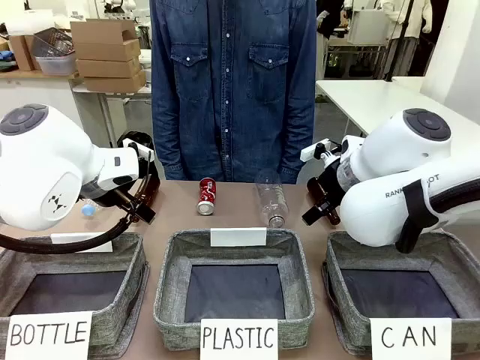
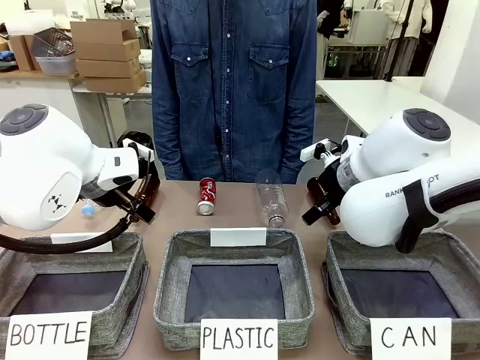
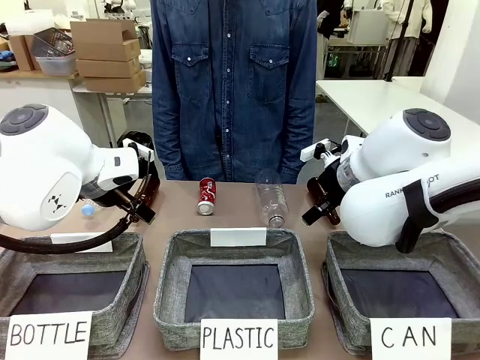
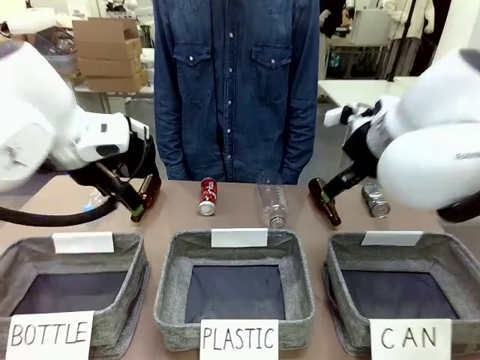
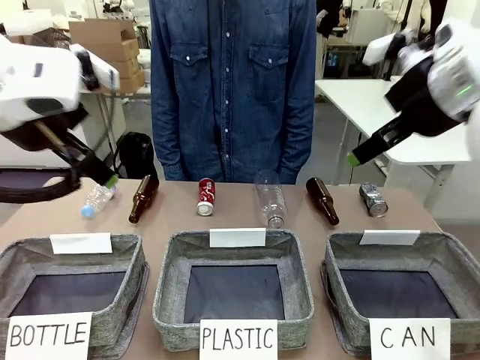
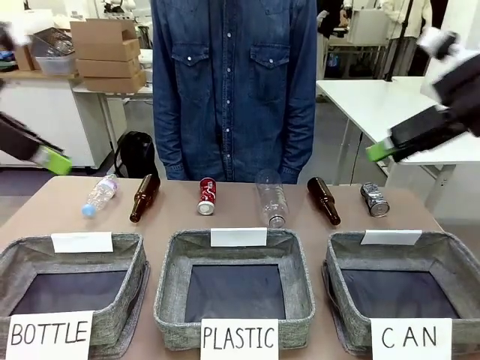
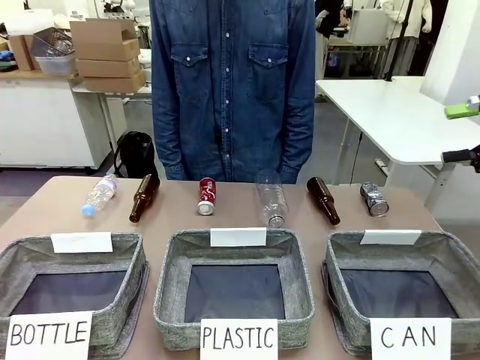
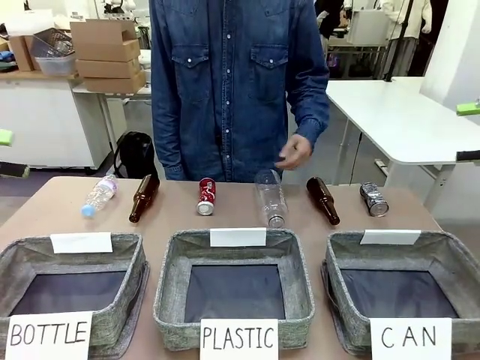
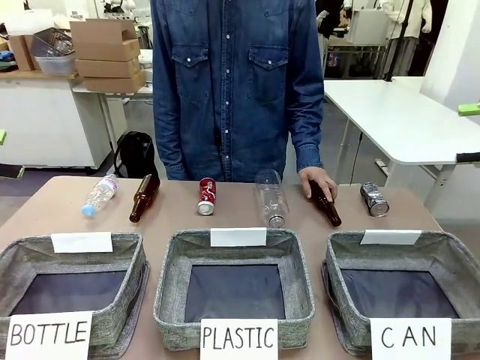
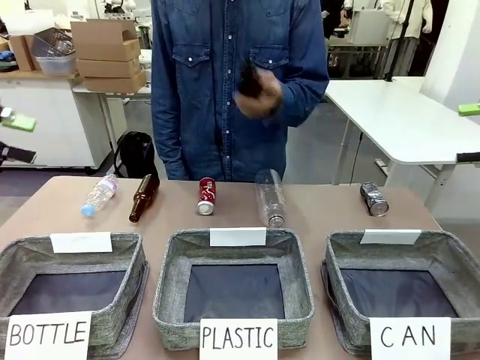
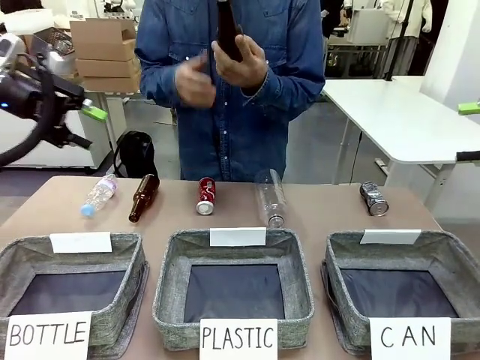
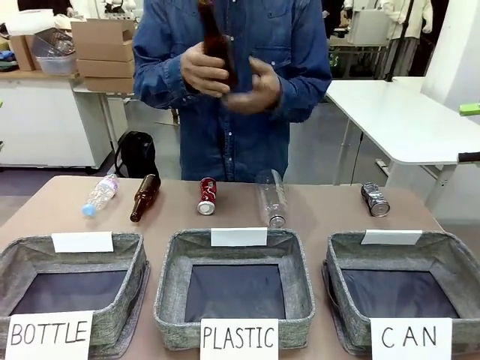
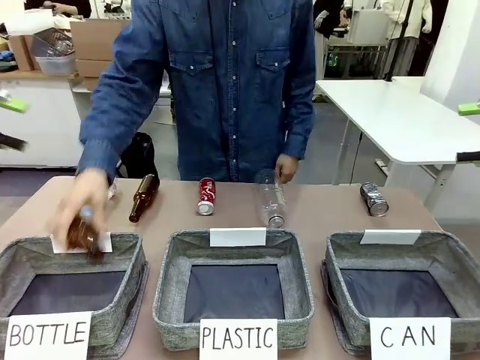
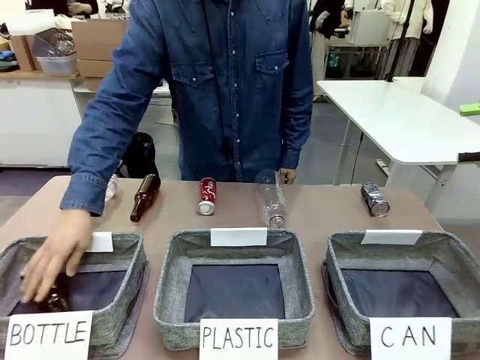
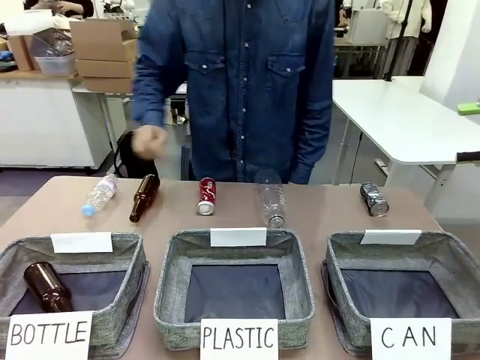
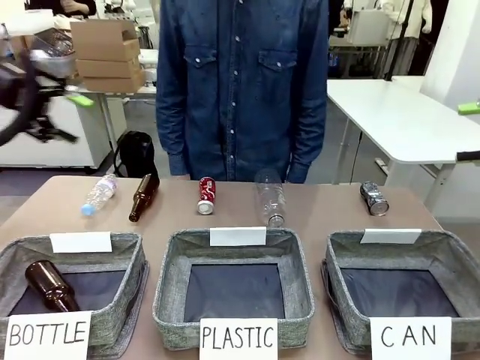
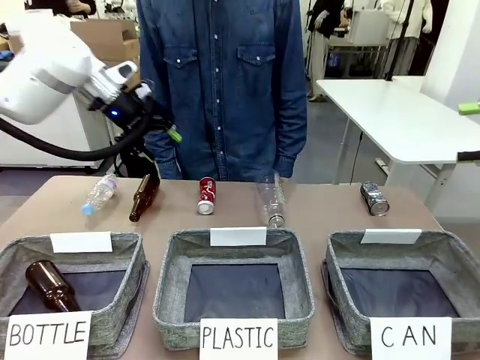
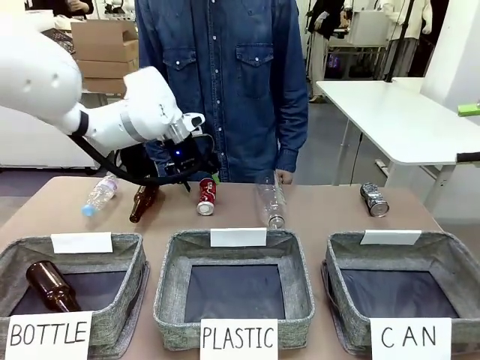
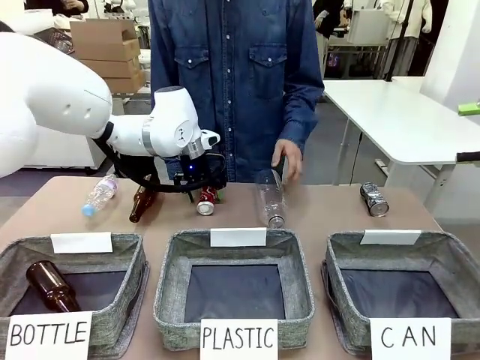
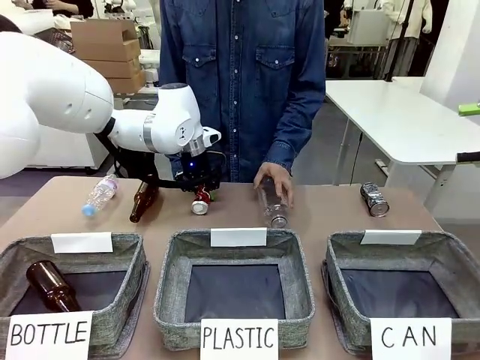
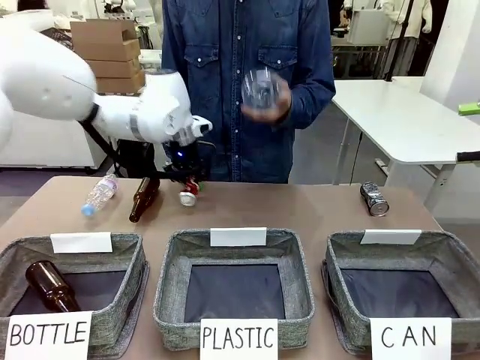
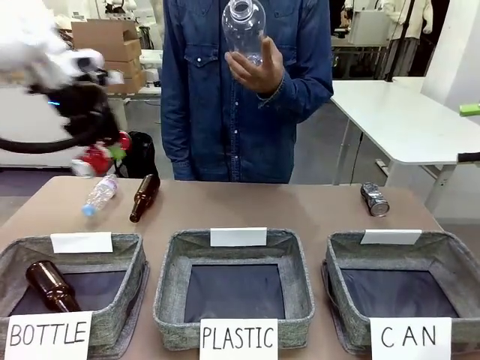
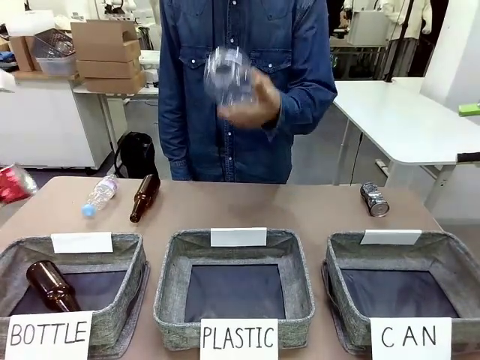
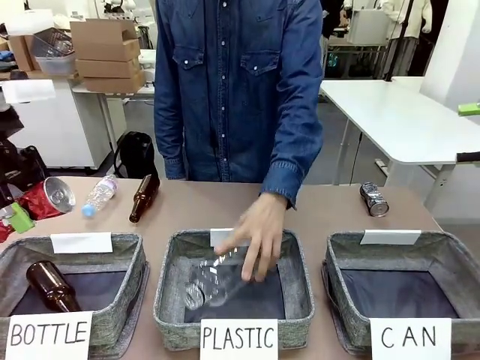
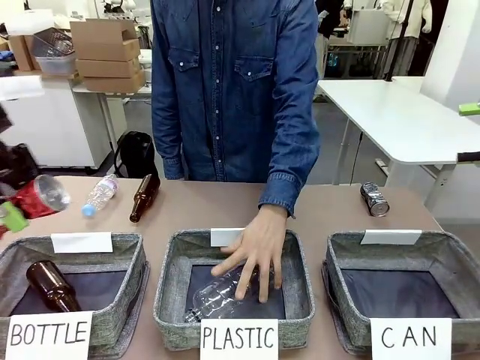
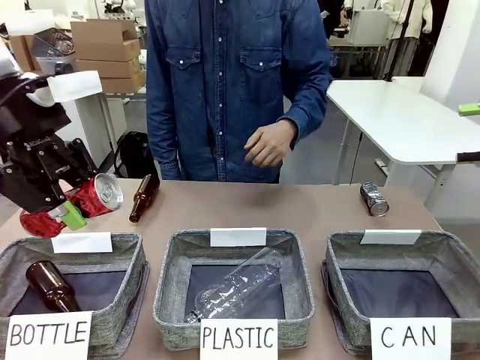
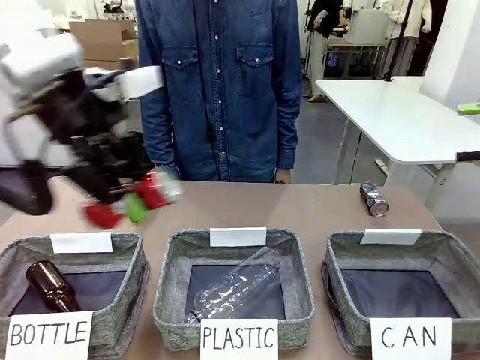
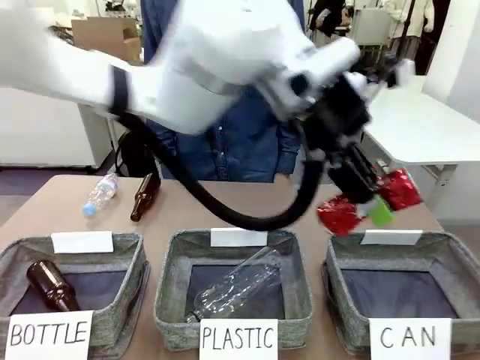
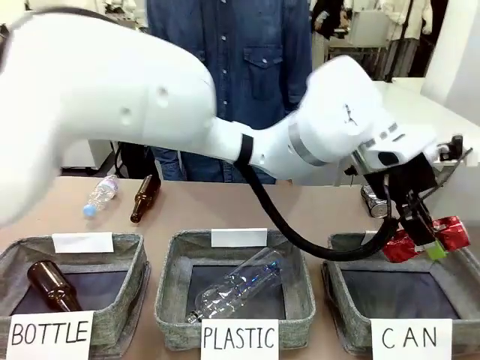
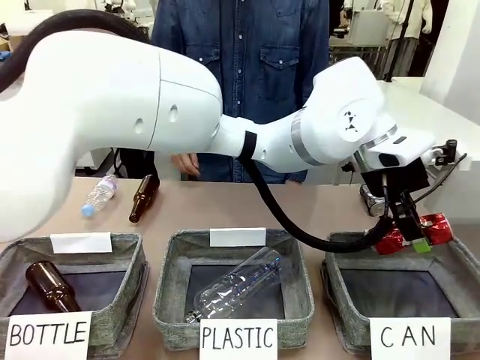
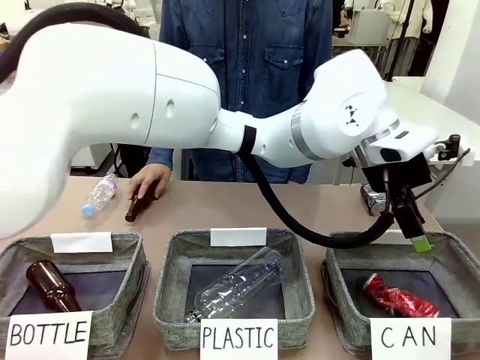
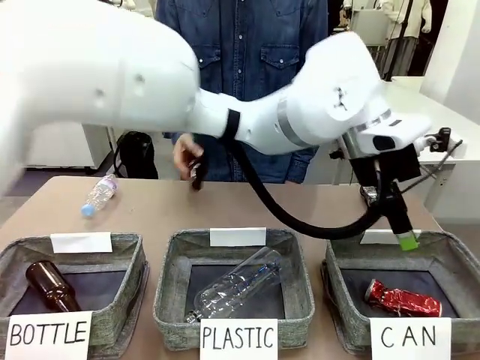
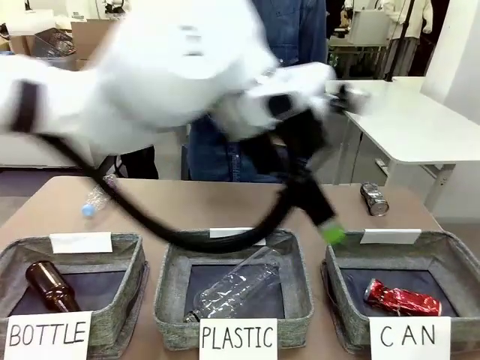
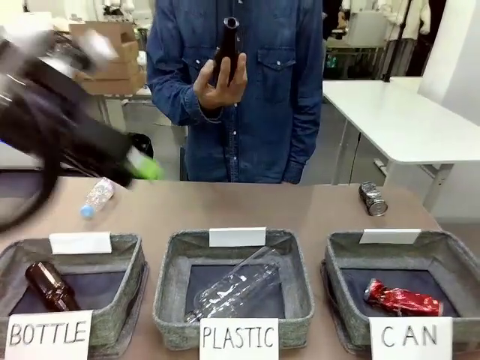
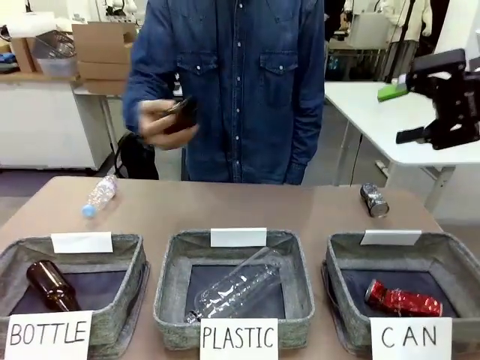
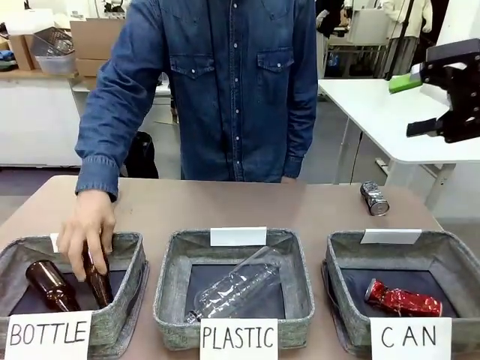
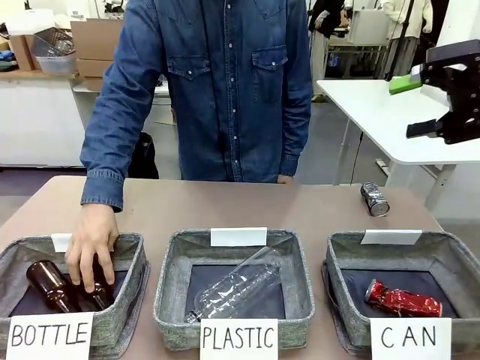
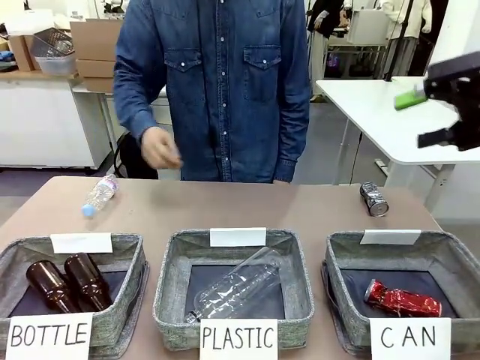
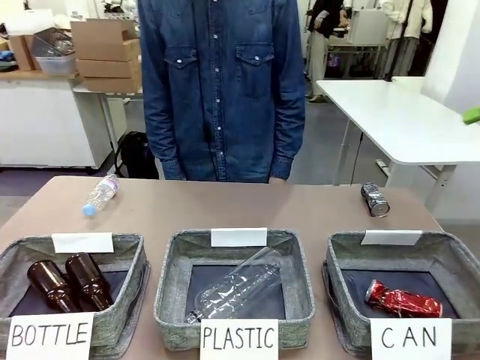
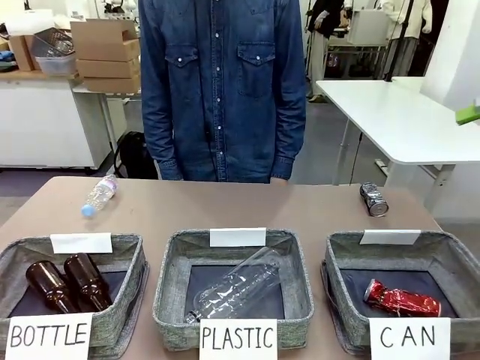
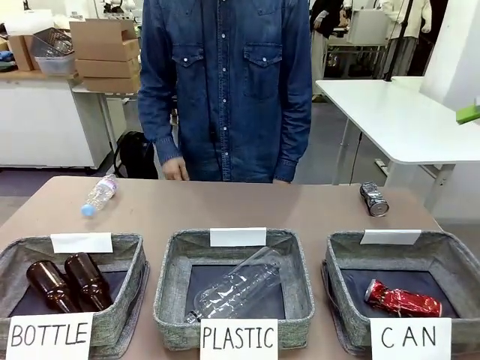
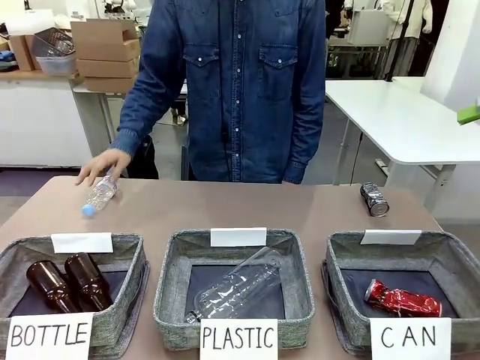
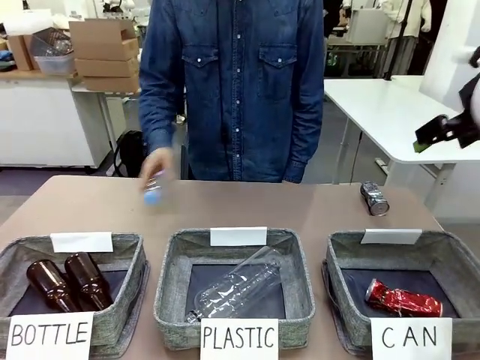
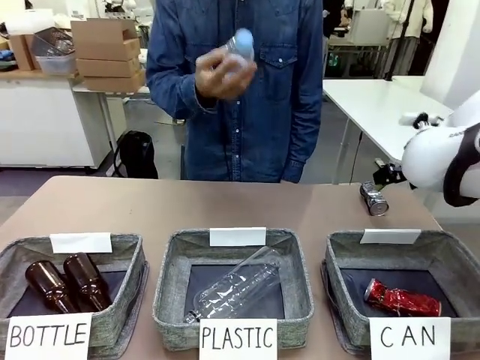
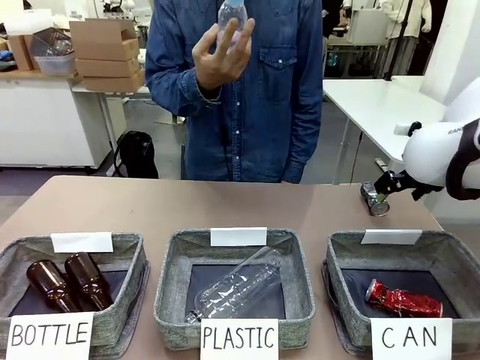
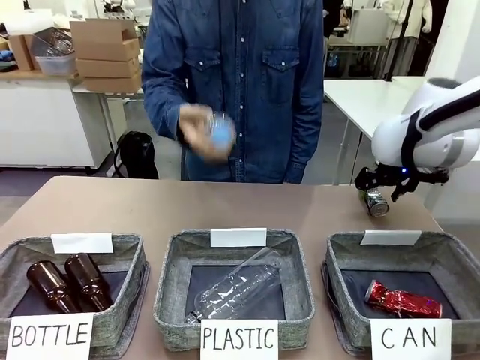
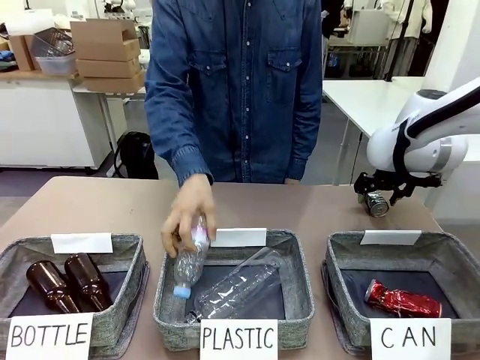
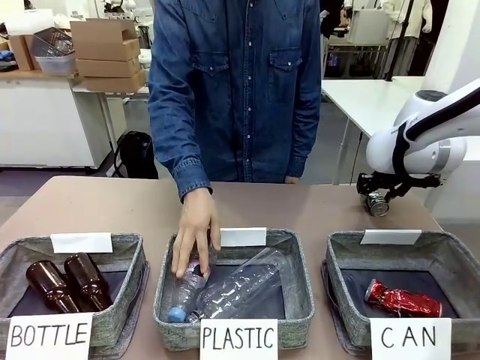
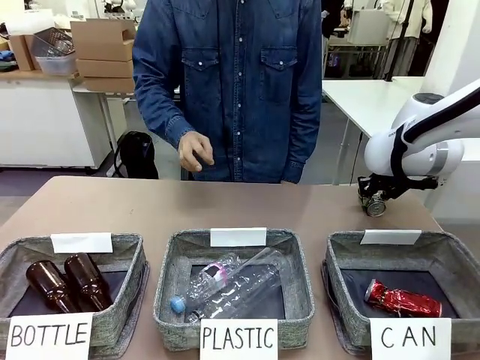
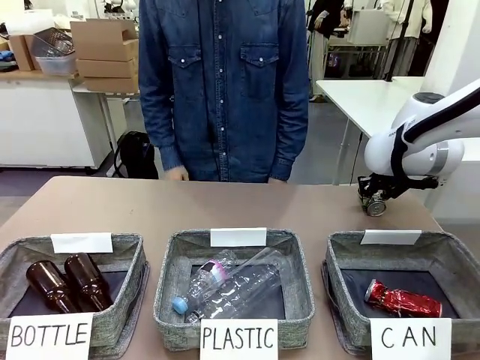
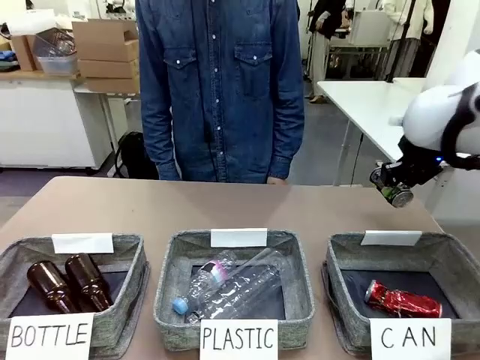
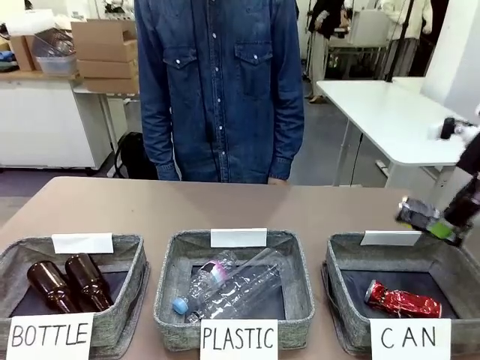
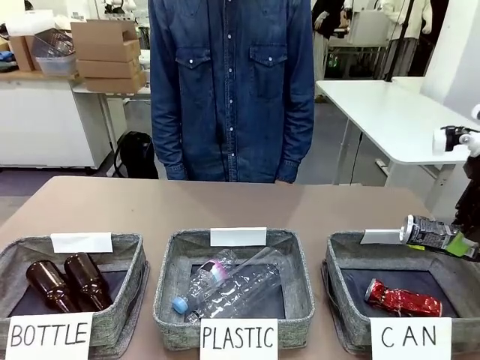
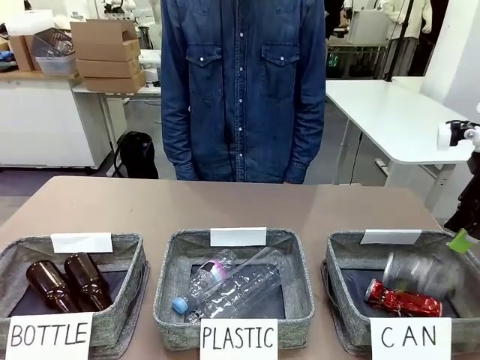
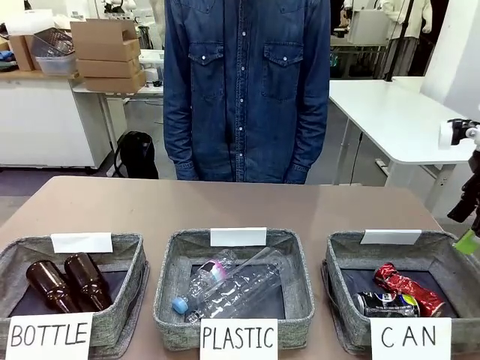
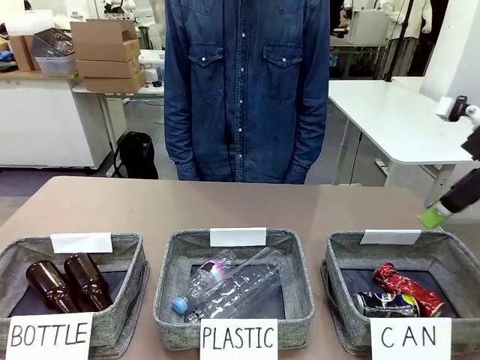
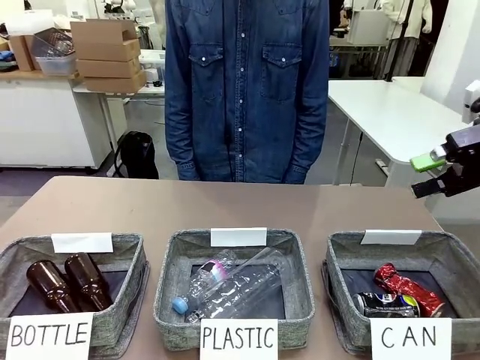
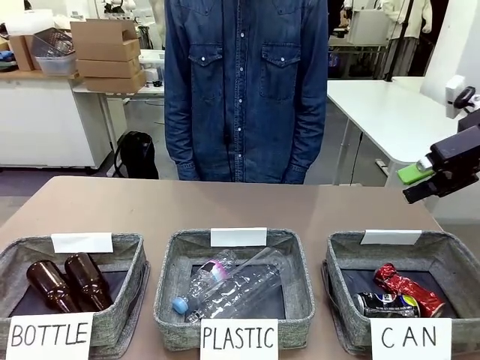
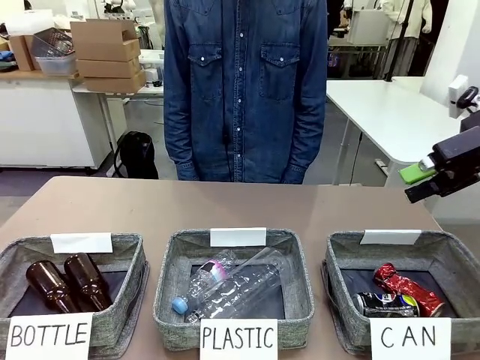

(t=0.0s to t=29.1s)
Task: Sort the can waste into the basket.
Robot: Pick up the can waste from the table and place it in the right Fabric basket.
Person: The human picks up one piece of trash that is not a can and places the trash into the appropriate organizing basket.
